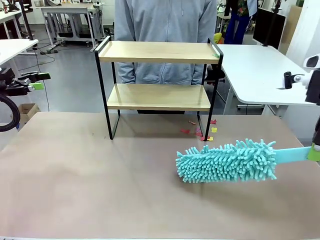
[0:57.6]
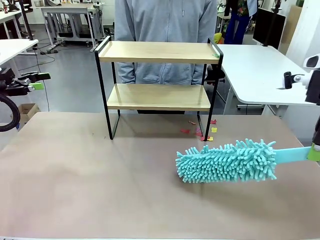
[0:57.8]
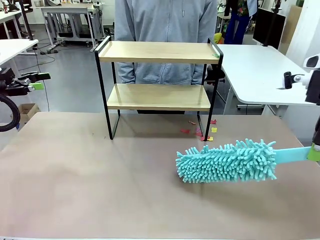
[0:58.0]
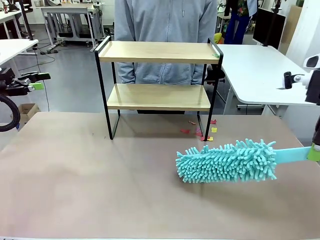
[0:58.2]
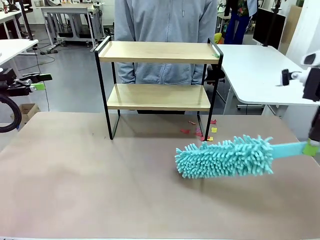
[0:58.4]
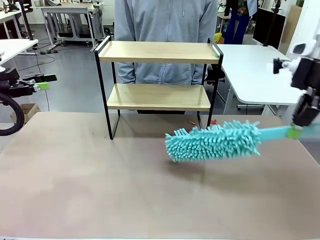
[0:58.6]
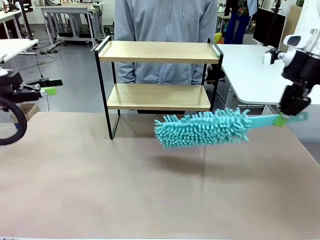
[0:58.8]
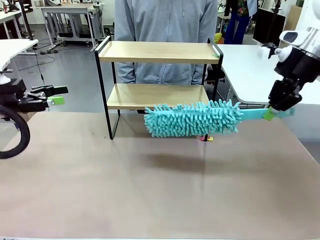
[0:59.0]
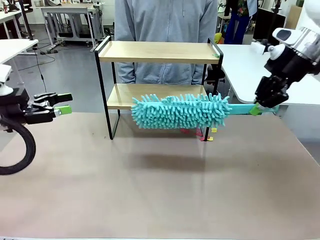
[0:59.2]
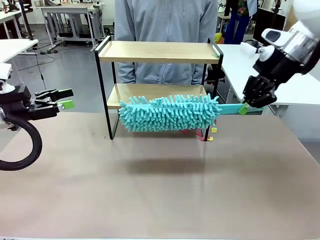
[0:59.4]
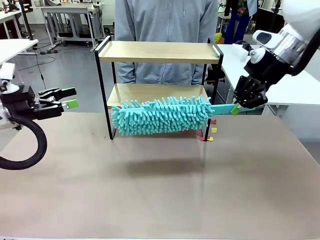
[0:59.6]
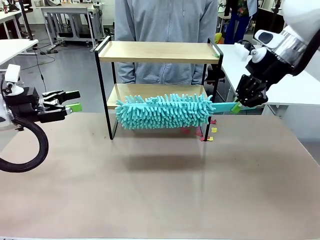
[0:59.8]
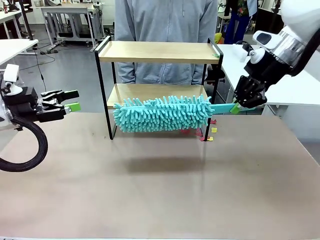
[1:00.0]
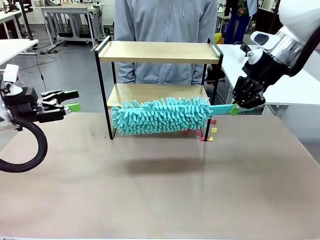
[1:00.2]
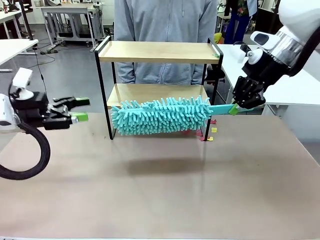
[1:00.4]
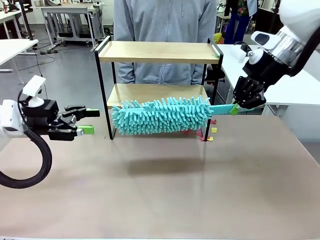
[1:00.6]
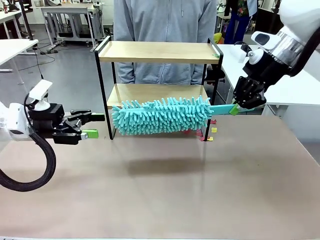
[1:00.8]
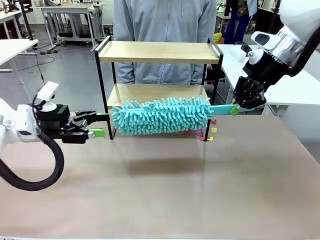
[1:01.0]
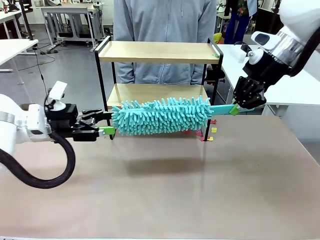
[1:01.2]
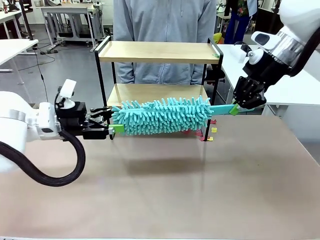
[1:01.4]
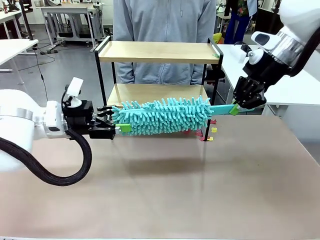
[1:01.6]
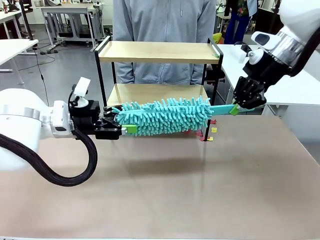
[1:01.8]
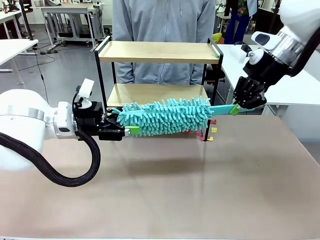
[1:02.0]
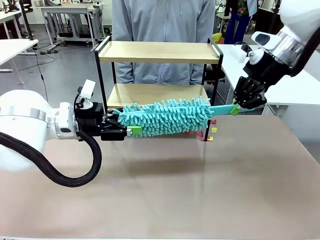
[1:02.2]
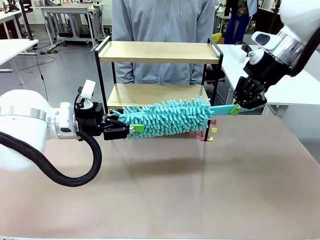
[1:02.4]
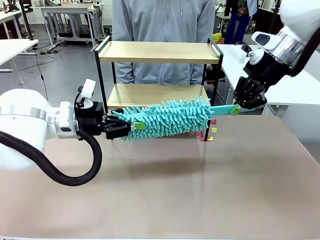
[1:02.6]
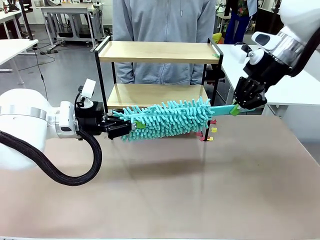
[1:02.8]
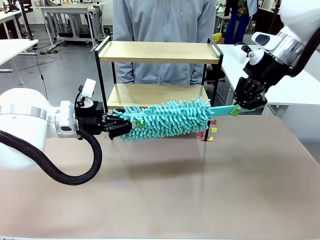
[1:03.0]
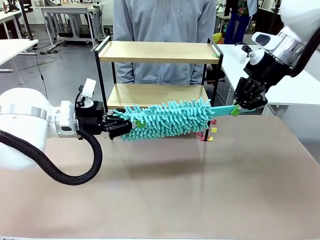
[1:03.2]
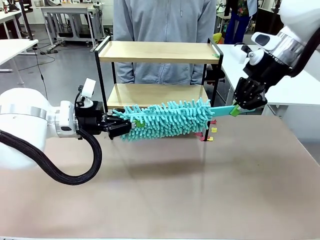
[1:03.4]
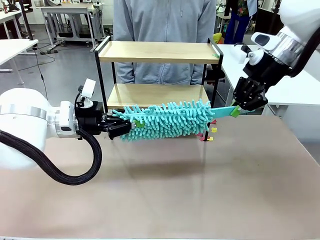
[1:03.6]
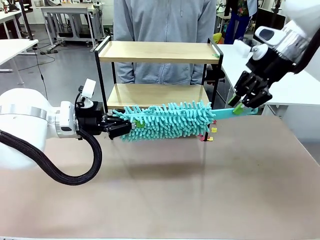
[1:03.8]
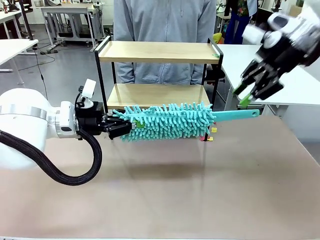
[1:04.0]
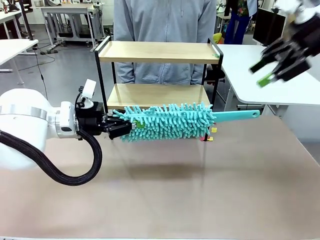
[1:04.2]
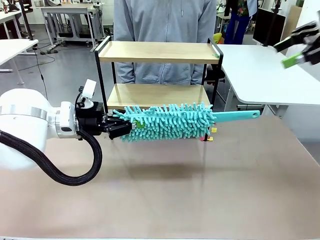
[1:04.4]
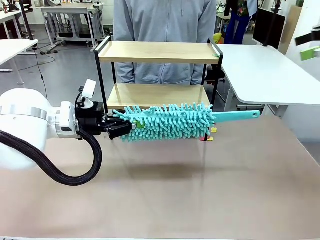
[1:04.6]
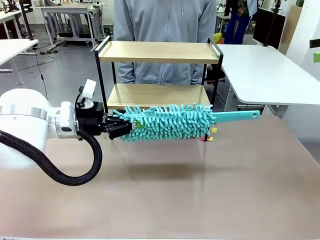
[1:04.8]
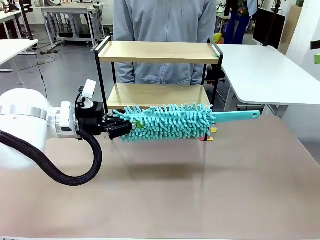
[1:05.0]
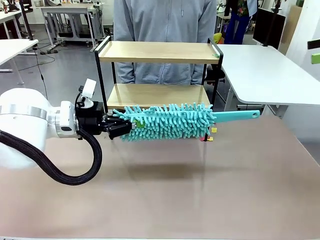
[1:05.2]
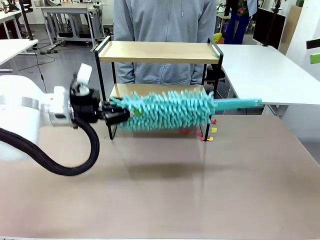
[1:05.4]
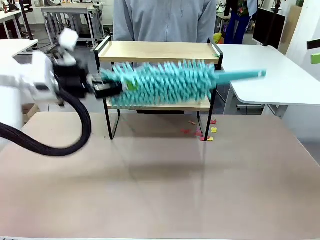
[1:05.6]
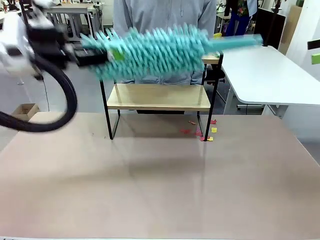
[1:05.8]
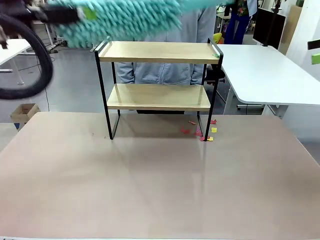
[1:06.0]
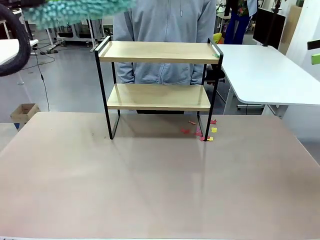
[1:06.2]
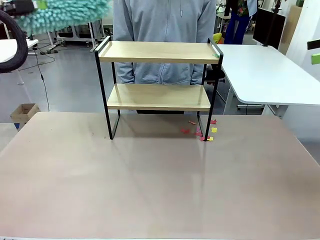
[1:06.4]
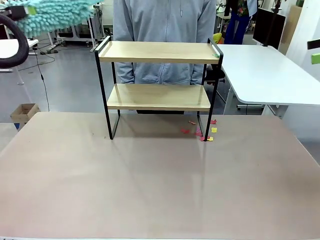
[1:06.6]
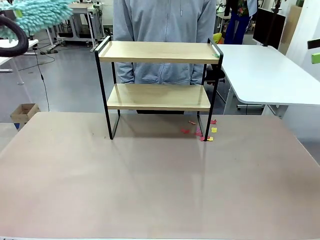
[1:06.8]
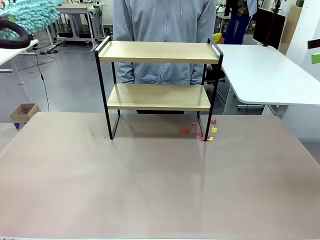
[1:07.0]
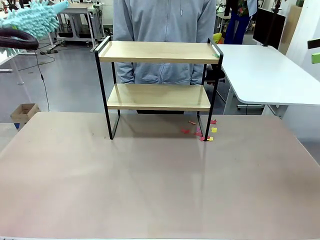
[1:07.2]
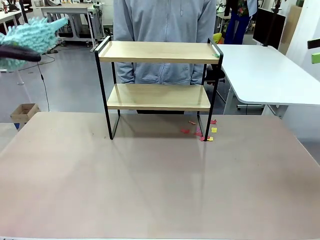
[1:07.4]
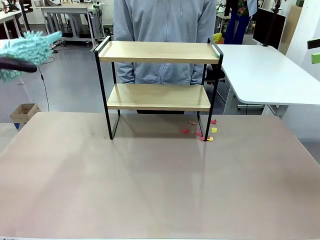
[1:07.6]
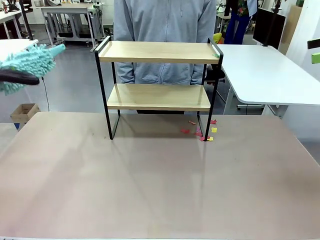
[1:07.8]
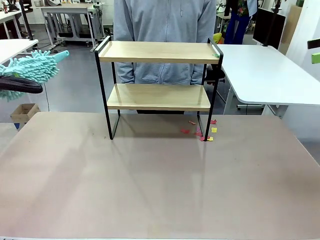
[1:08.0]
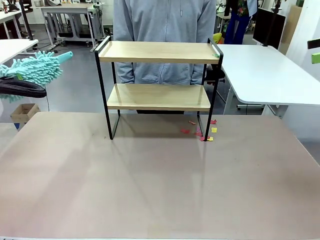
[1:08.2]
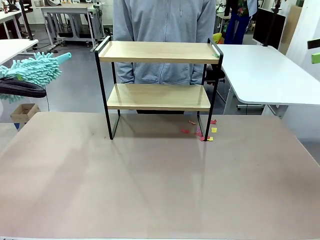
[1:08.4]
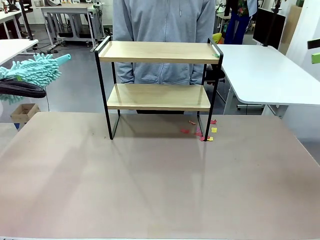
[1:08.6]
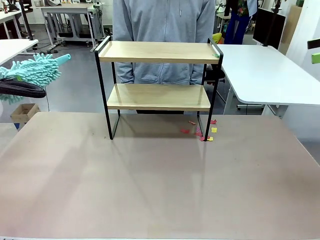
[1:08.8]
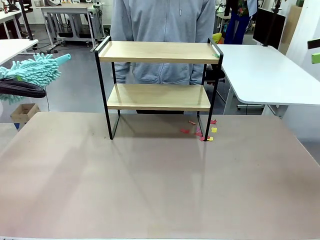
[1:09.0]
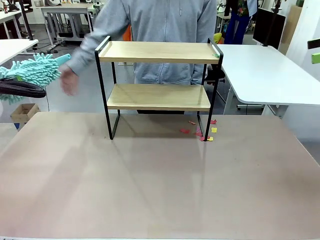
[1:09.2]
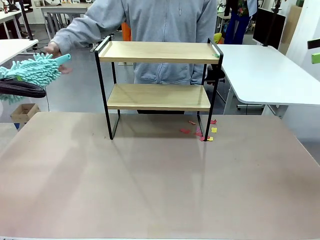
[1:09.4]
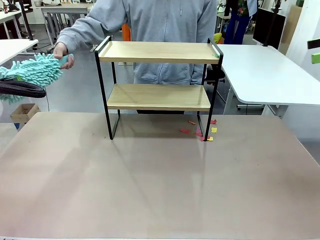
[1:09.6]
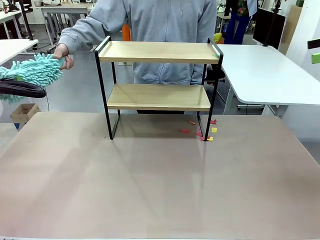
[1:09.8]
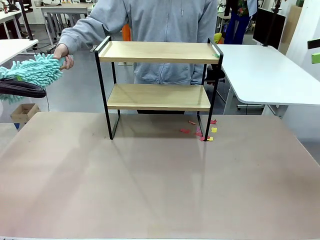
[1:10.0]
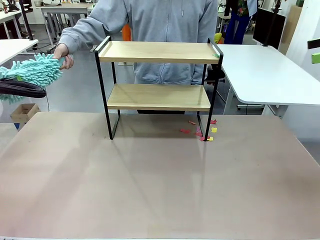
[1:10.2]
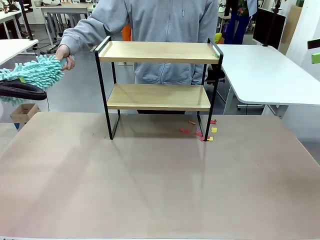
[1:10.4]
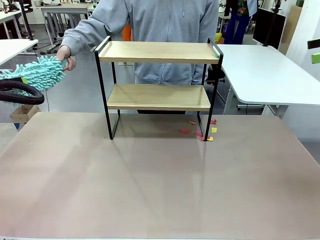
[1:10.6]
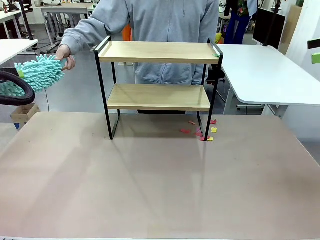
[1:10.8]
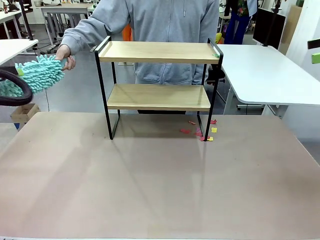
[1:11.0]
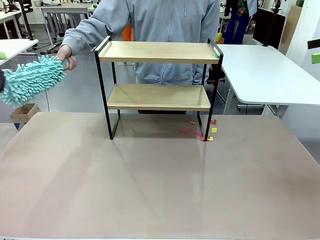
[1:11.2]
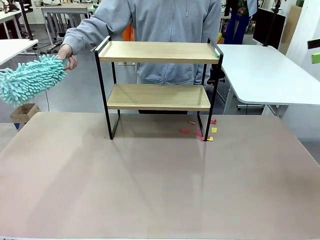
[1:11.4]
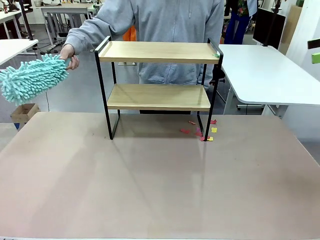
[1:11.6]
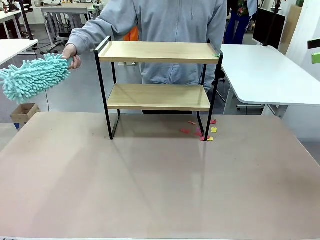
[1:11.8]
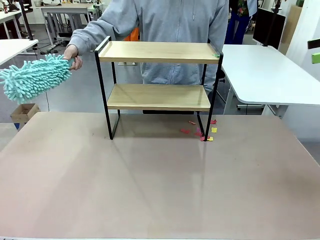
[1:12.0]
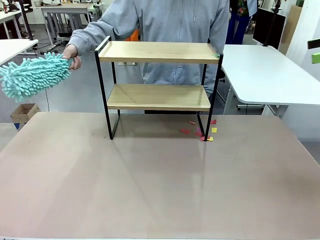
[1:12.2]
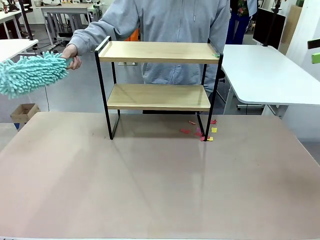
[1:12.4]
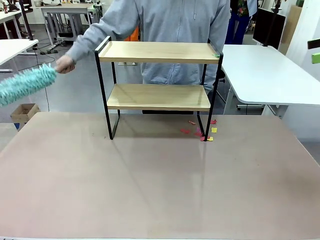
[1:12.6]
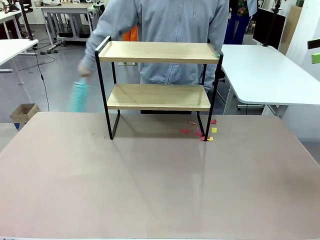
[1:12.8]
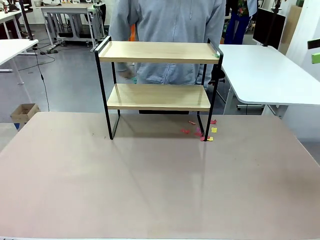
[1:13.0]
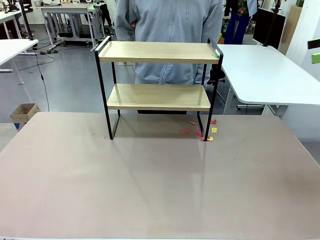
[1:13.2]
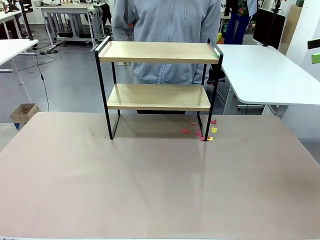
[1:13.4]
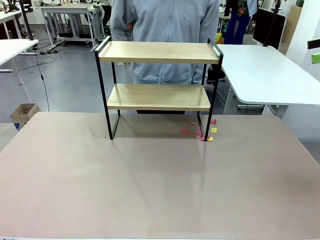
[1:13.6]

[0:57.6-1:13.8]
Task: Clean the shelf.
Robot: Hand the Duster back to the human.
Person: Receive the Duster from the robot.

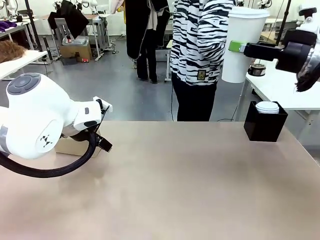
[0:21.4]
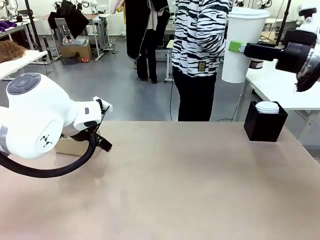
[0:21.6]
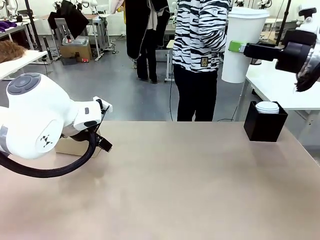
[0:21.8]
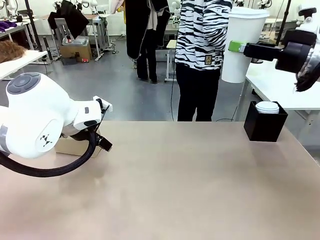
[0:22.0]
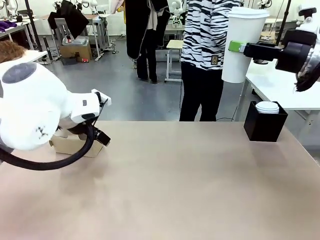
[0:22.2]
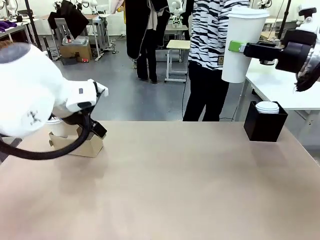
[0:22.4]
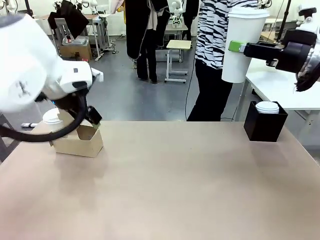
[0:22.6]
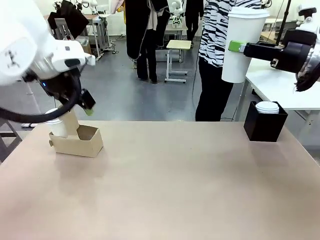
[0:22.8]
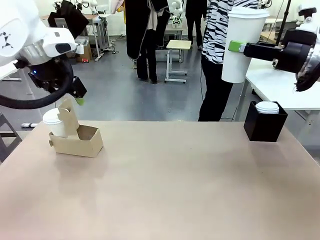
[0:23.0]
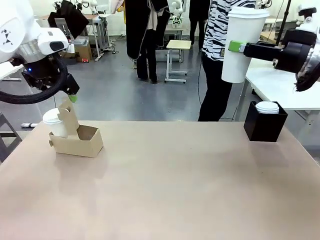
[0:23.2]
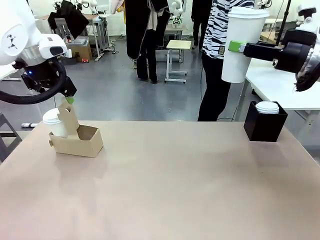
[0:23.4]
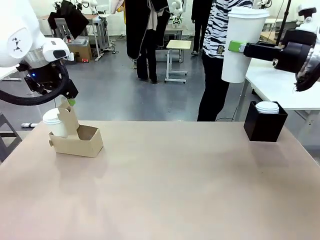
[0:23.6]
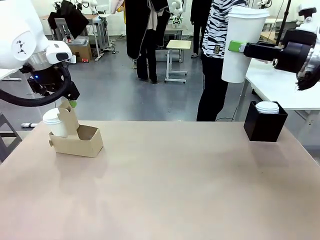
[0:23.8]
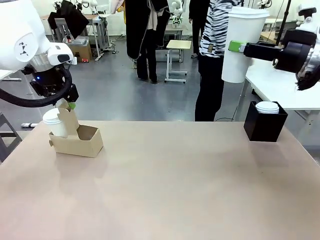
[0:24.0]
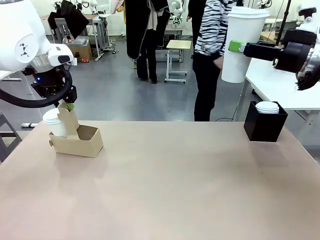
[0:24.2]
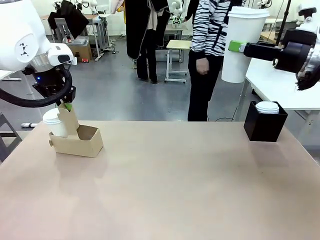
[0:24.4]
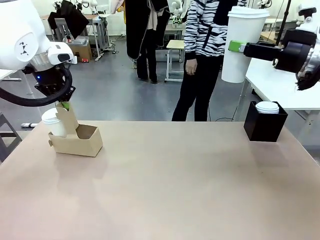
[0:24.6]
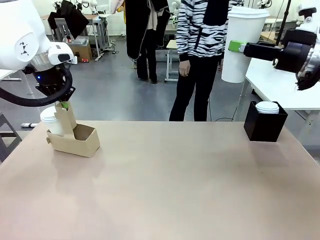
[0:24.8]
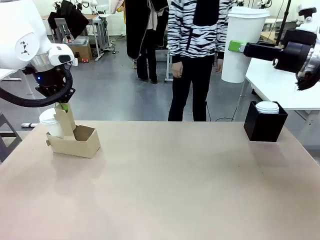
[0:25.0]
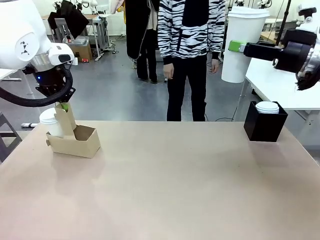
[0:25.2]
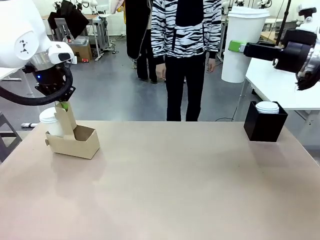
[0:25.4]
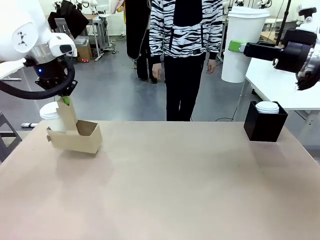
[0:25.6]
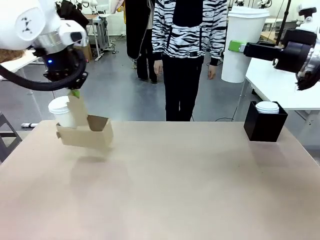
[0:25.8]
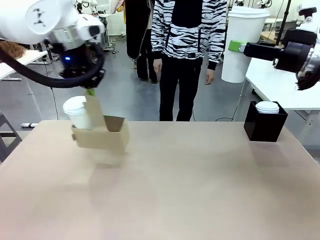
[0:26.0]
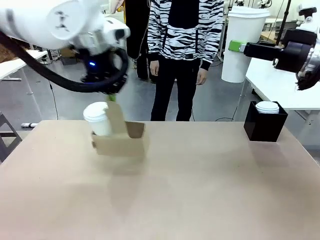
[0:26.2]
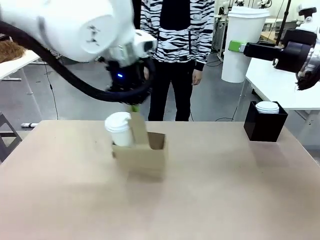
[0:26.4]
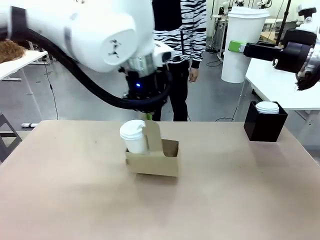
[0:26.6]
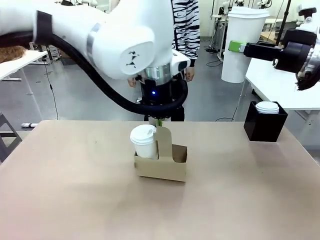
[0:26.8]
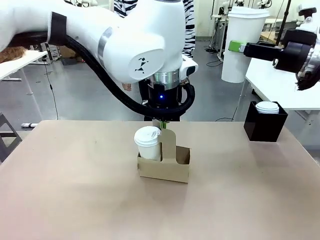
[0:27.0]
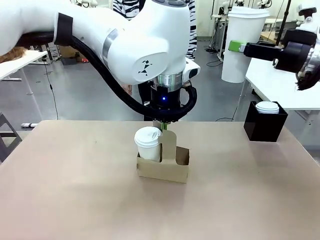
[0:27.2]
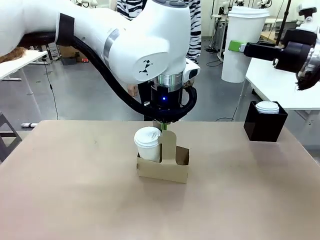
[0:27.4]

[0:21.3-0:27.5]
Task: Pour a drink into a cup and package it in a carrier.
Robot: Position the Cup Carrier in the center of the table.
Person: Pick up the Filter Brewing and place on the middle of Human table, and return to the Robot table.
